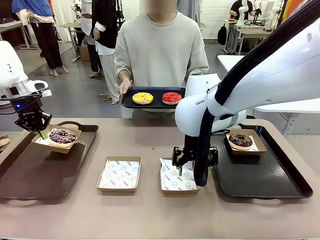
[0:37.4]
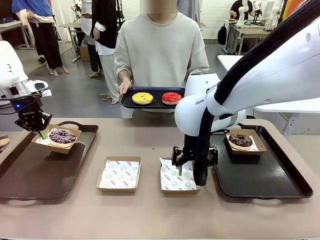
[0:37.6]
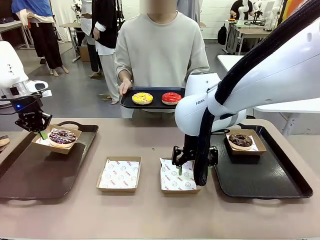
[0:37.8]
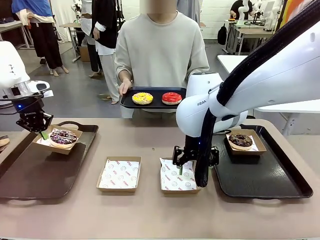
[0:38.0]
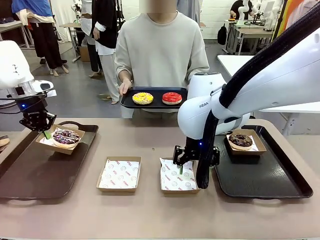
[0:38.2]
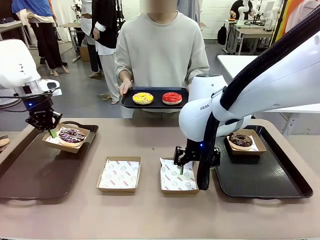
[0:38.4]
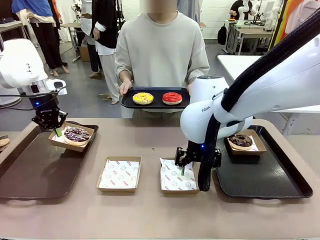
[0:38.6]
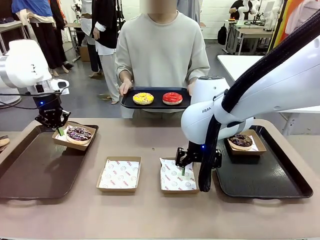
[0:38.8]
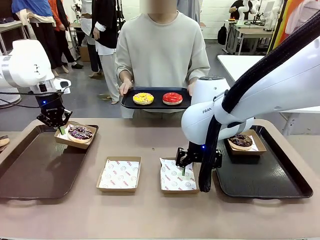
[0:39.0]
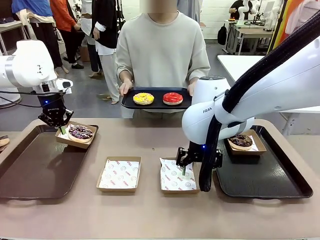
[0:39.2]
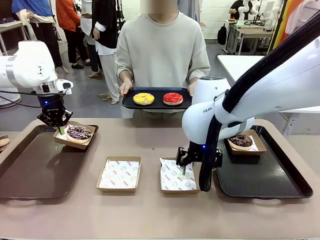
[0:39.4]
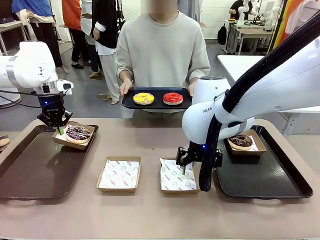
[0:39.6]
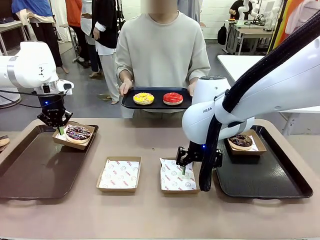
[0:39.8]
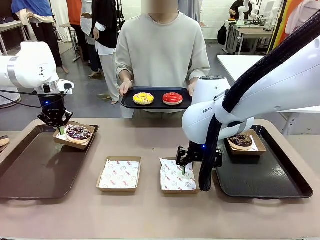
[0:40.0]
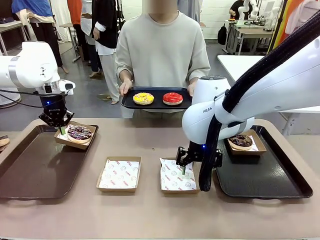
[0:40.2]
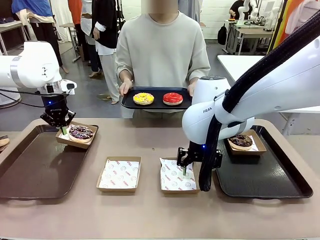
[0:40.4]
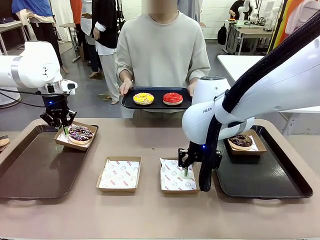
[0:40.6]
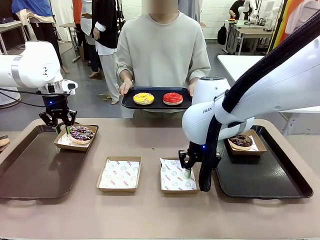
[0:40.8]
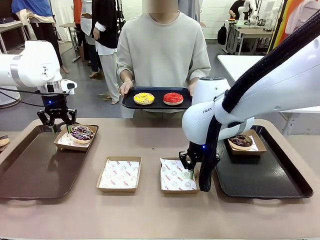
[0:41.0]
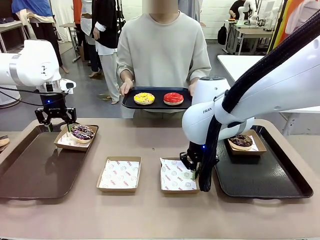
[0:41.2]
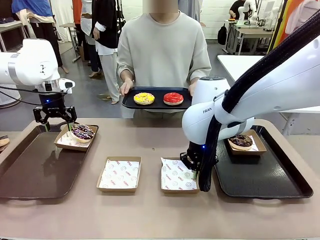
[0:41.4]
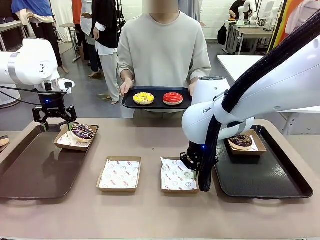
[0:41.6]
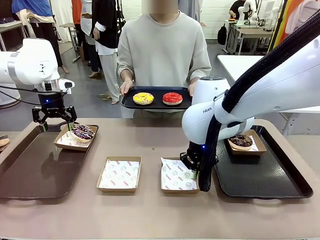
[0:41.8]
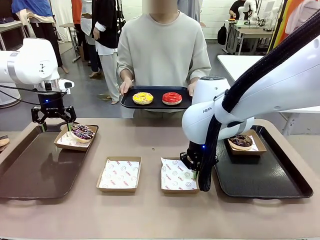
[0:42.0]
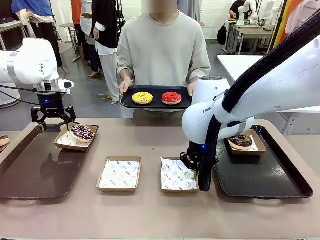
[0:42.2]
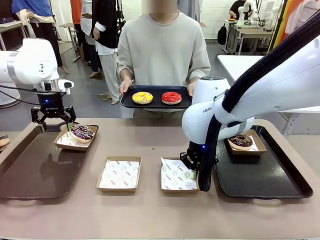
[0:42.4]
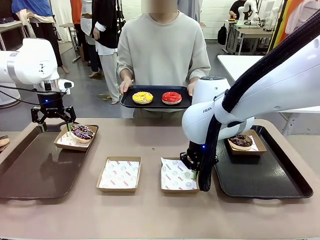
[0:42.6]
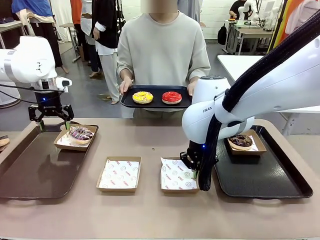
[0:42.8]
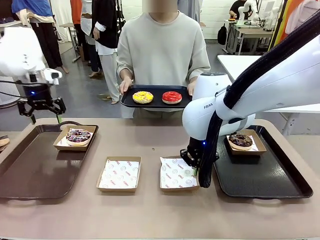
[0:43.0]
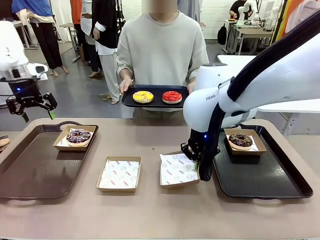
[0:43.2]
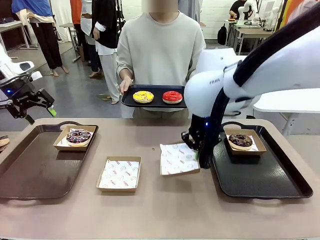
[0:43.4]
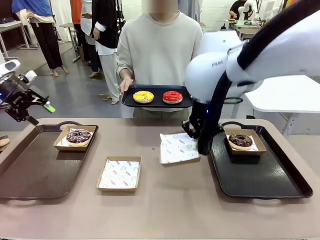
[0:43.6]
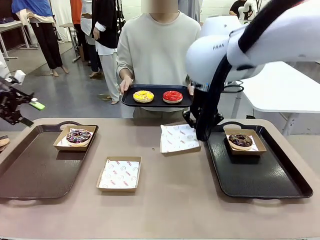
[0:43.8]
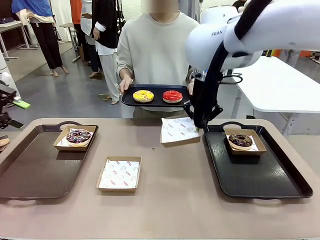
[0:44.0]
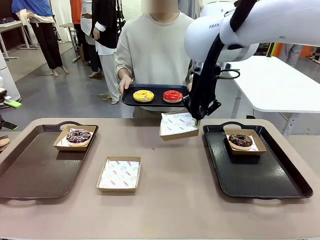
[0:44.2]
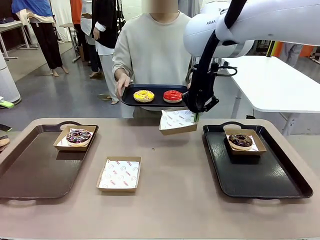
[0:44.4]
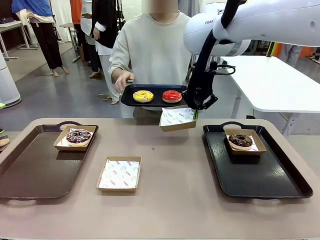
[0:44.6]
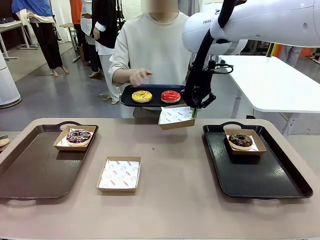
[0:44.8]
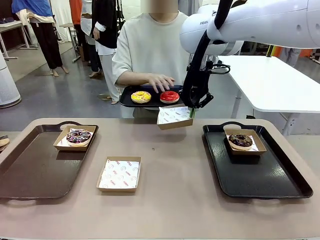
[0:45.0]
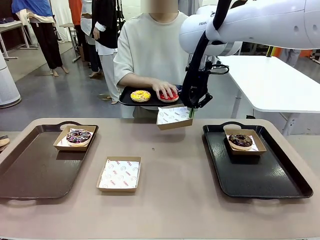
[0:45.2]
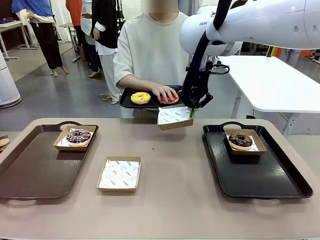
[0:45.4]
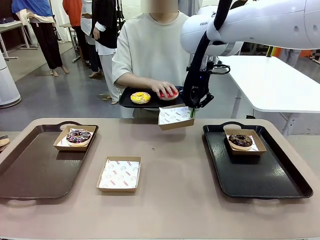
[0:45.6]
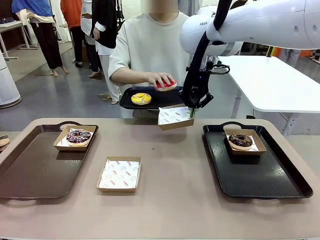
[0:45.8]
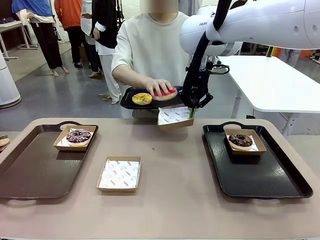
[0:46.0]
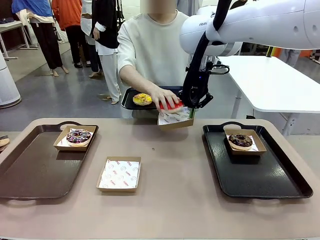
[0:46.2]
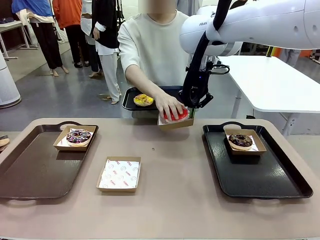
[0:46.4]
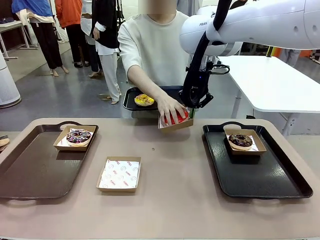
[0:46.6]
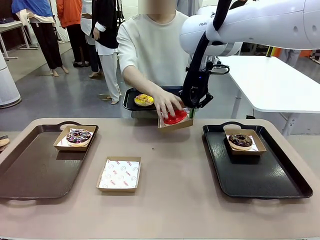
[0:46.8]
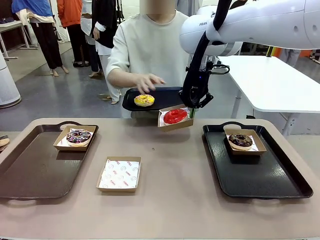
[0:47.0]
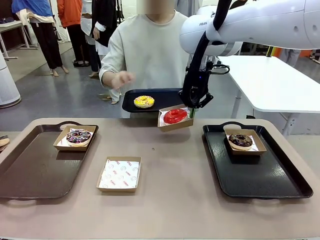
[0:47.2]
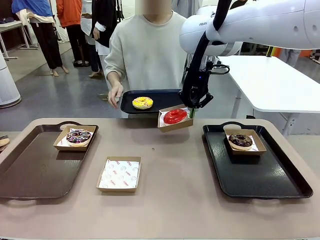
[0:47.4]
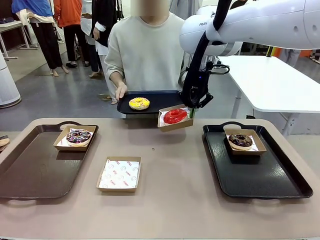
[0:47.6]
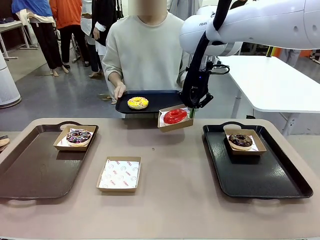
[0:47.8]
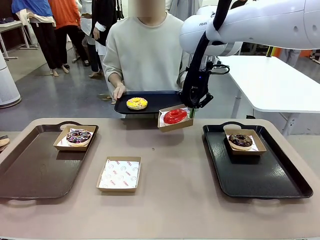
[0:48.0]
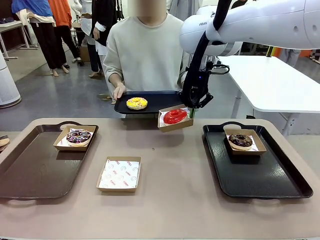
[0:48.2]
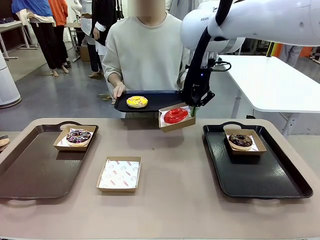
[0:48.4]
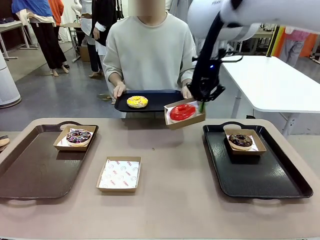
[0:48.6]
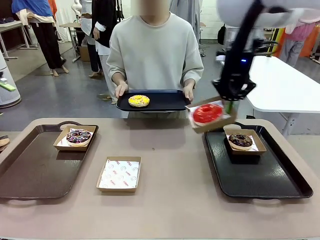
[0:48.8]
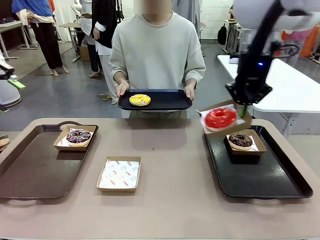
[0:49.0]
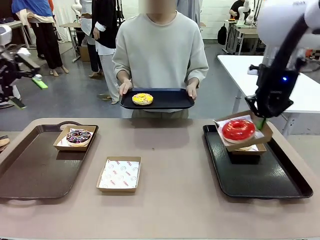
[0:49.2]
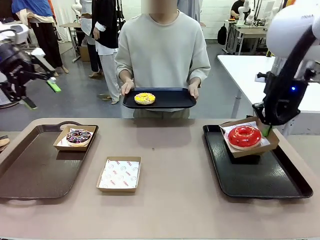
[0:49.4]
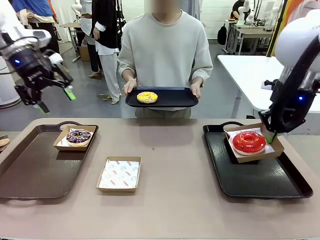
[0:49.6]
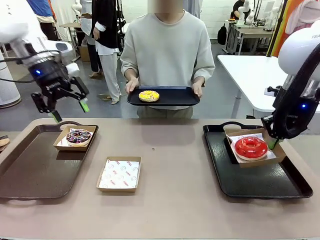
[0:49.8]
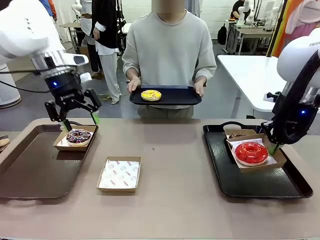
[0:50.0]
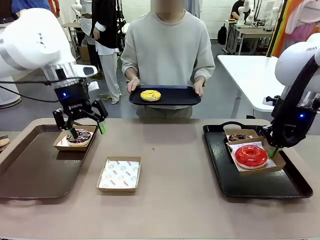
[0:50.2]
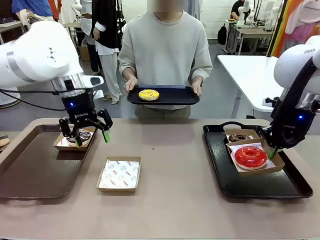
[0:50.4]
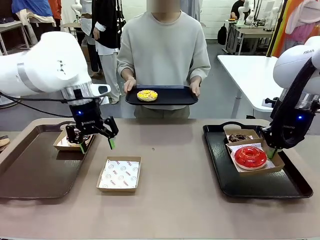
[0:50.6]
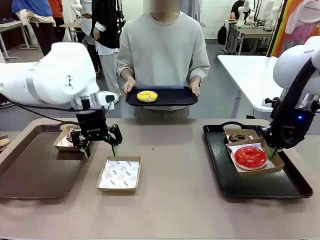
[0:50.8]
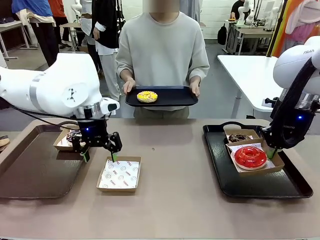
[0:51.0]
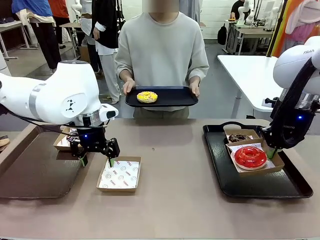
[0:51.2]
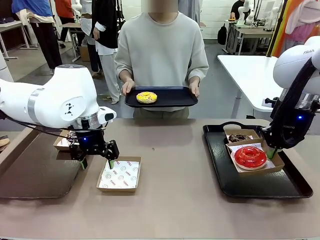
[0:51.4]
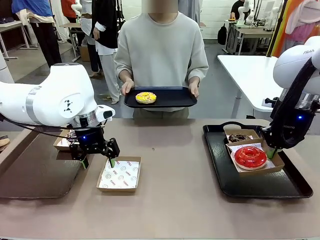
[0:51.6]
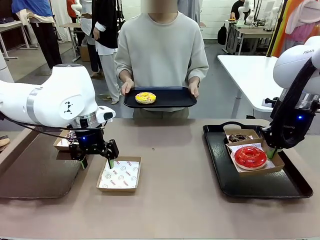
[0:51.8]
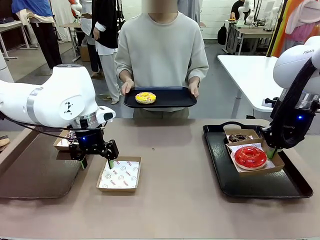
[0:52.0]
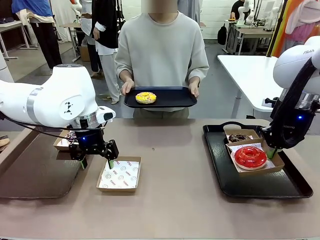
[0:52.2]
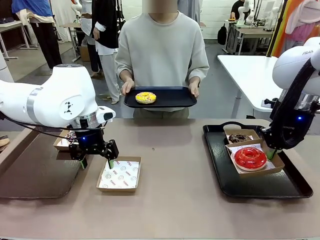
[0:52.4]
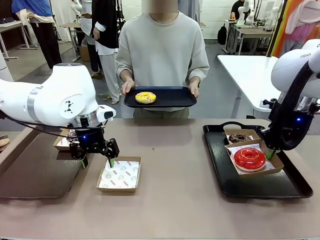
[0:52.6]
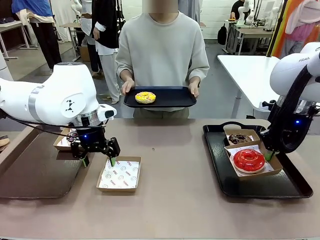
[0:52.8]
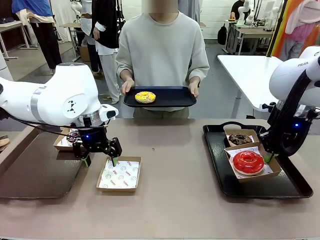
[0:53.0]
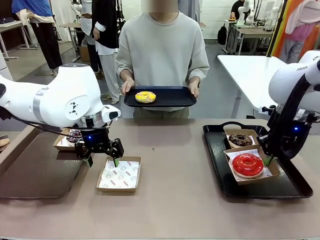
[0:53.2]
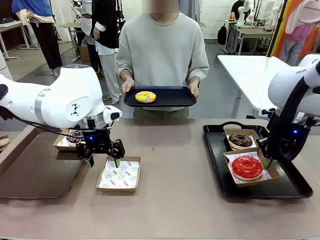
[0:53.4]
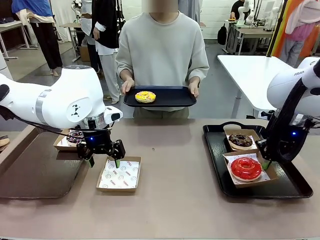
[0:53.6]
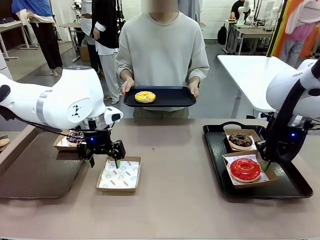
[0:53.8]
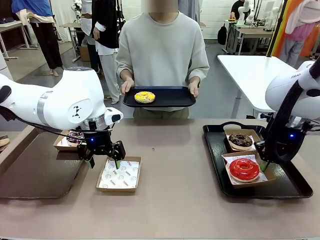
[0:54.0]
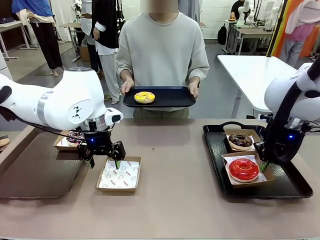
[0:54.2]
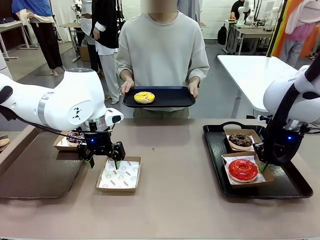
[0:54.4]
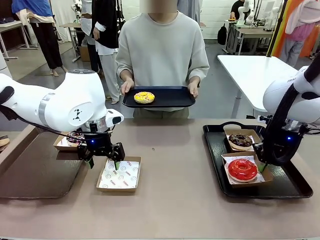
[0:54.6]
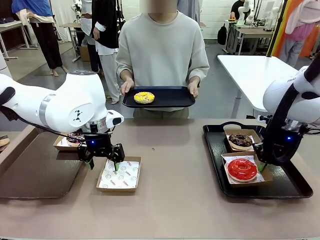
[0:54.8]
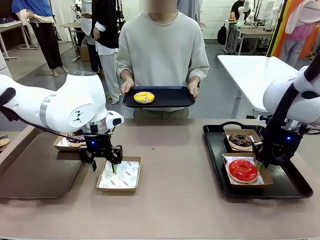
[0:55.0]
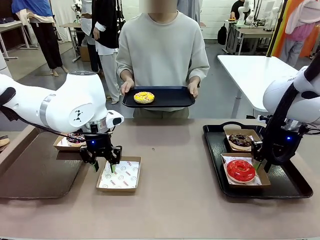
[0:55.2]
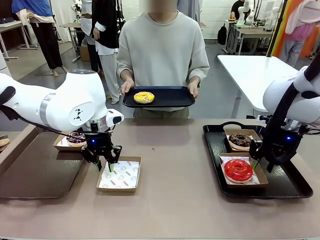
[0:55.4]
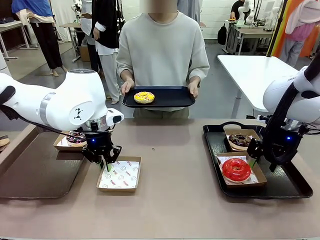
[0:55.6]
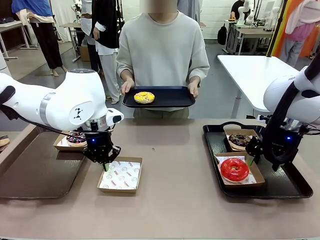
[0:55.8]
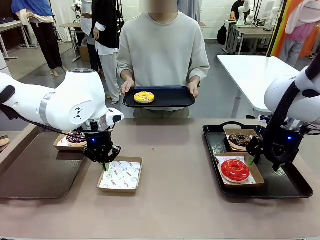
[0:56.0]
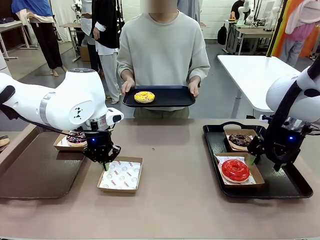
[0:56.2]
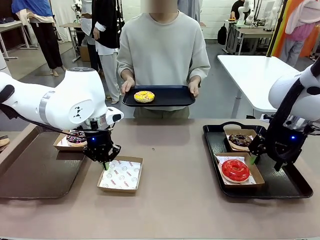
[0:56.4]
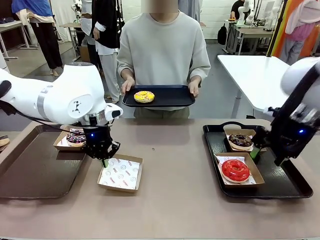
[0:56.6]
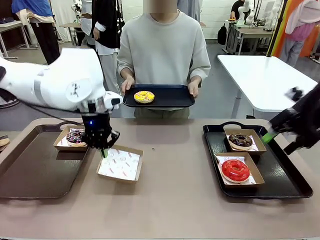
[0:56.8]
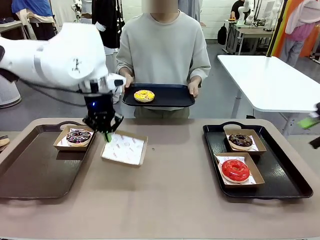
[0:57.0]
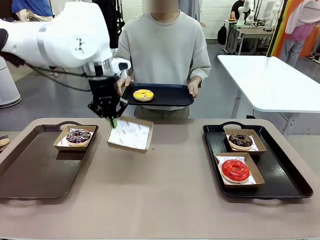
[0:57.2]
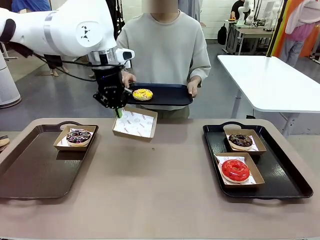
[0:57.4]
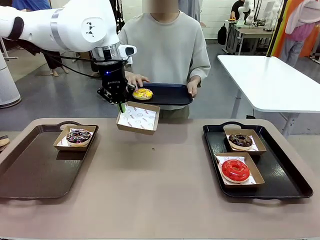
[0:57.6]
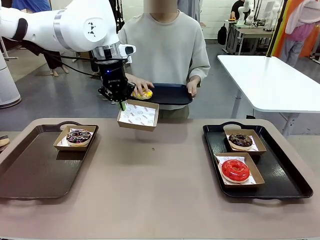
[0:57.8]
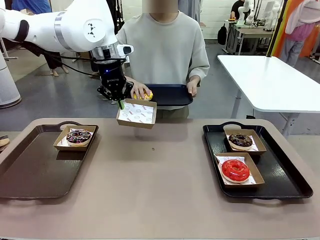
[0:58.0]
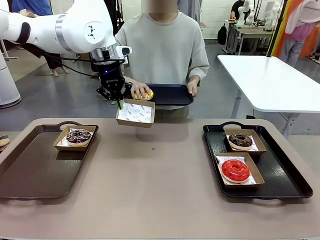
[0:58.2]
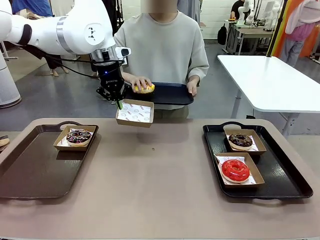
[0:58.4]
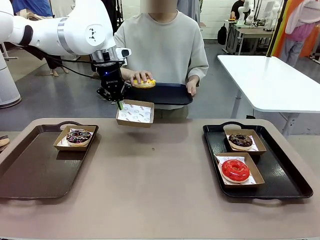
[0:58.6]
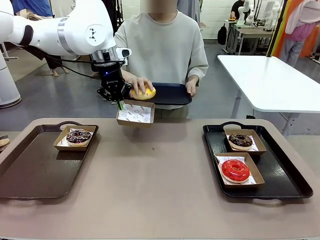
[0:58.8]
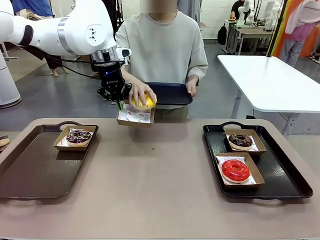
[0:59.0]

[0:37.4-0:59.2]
Task: Individually package the donuts and arrange them on the tray.
Robot: Place the picked Paper togo box on the Handle tray while simultaneously picking up another Paper togo box from the table with the other hand.
